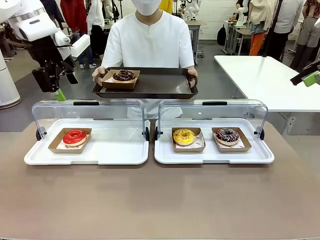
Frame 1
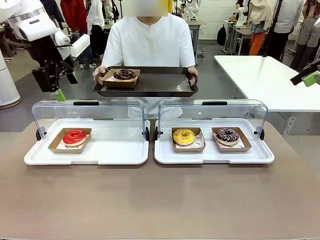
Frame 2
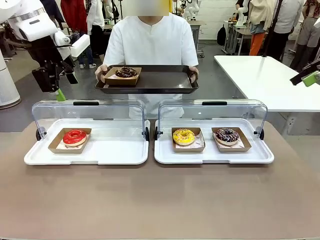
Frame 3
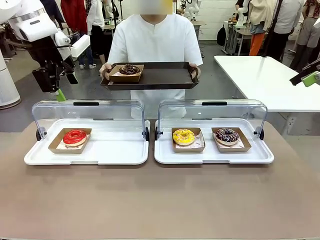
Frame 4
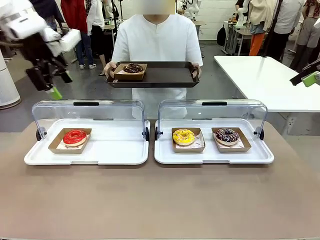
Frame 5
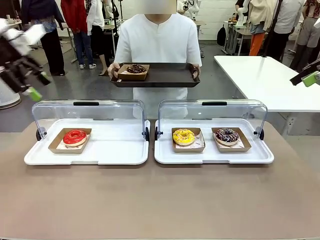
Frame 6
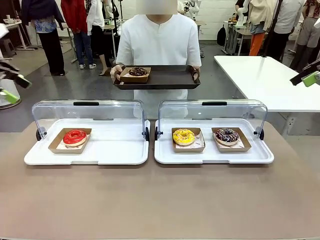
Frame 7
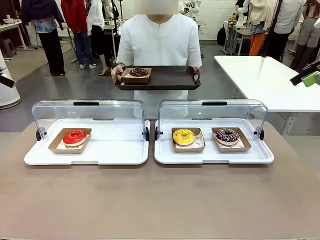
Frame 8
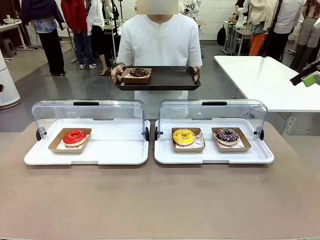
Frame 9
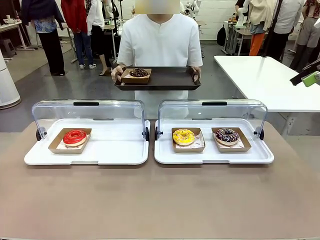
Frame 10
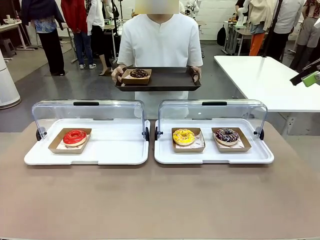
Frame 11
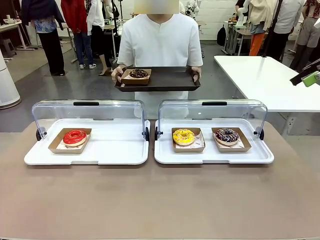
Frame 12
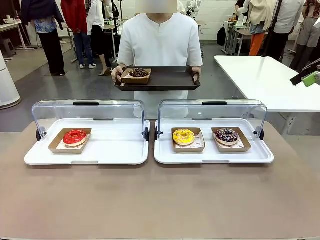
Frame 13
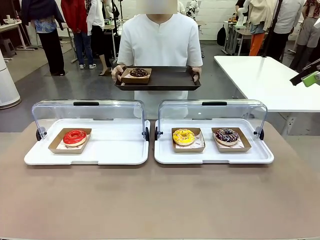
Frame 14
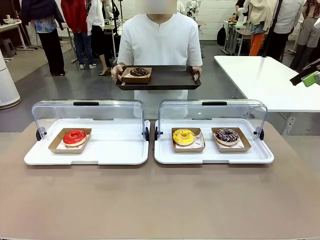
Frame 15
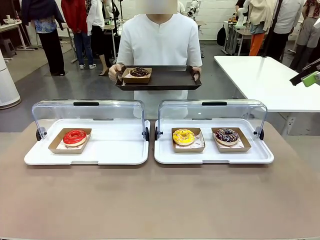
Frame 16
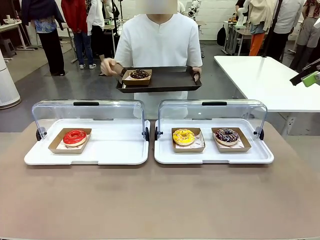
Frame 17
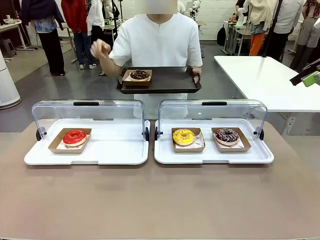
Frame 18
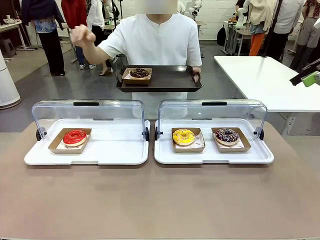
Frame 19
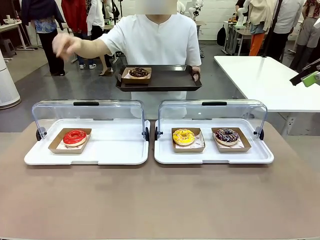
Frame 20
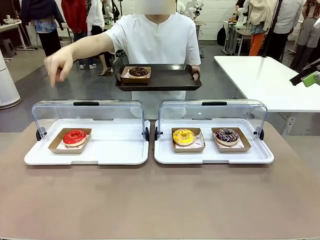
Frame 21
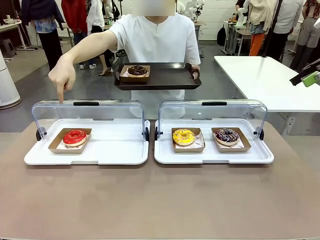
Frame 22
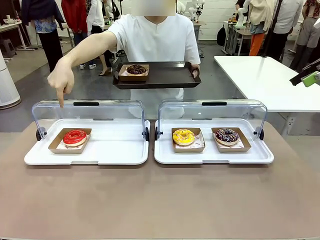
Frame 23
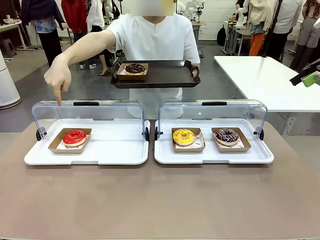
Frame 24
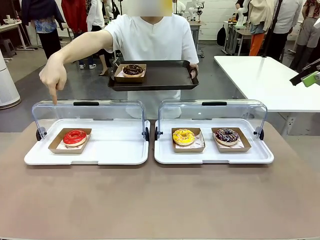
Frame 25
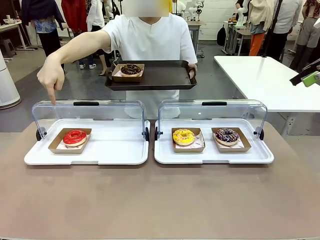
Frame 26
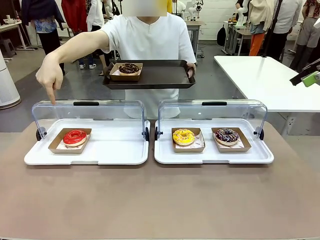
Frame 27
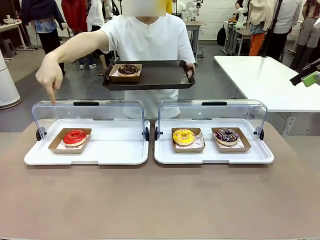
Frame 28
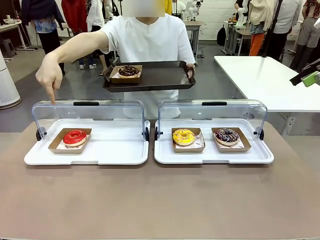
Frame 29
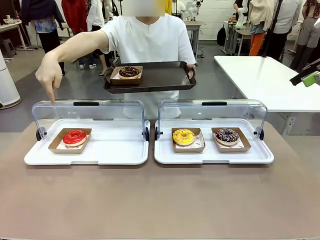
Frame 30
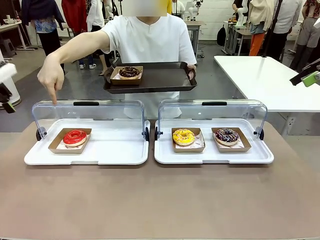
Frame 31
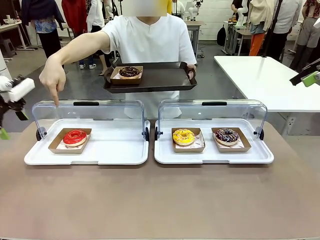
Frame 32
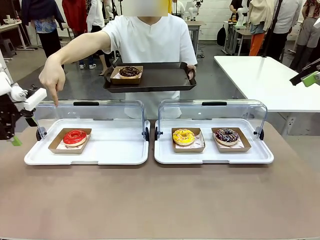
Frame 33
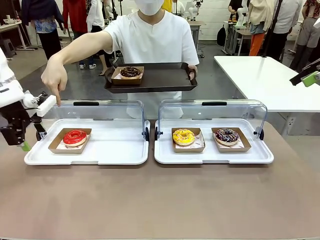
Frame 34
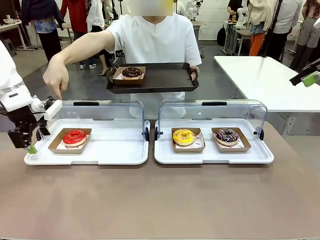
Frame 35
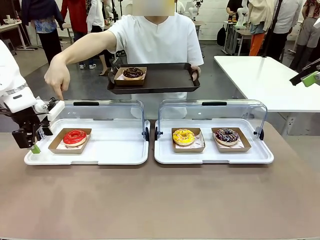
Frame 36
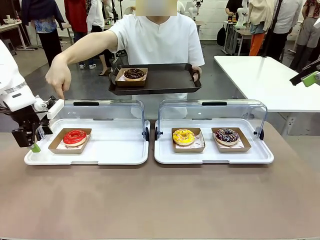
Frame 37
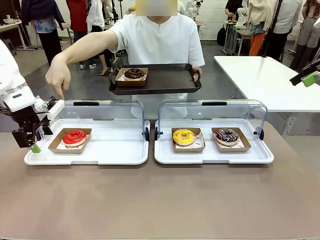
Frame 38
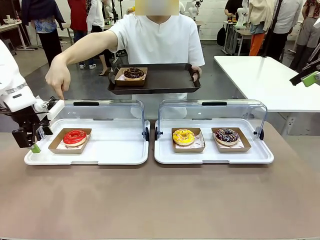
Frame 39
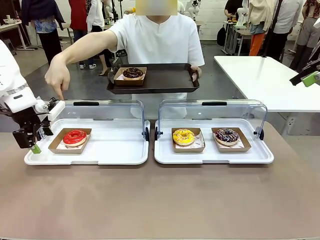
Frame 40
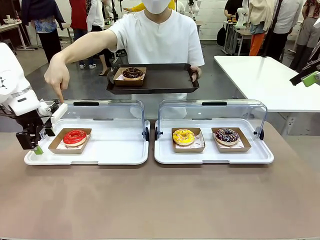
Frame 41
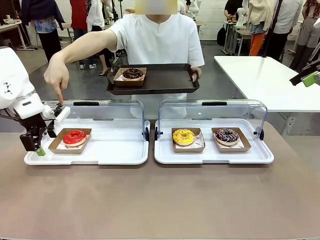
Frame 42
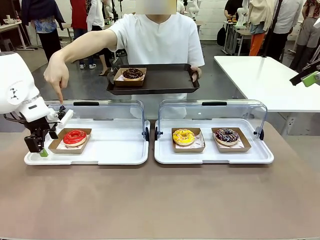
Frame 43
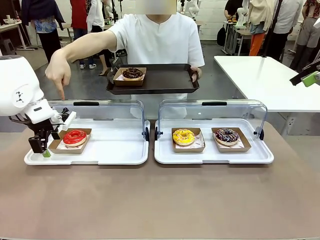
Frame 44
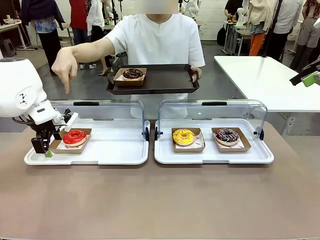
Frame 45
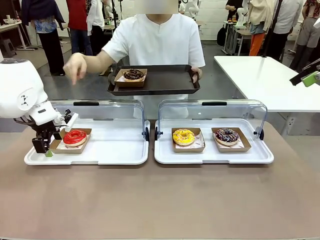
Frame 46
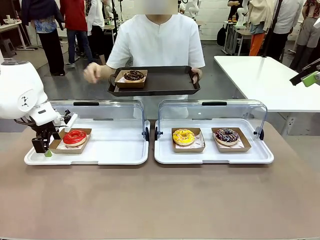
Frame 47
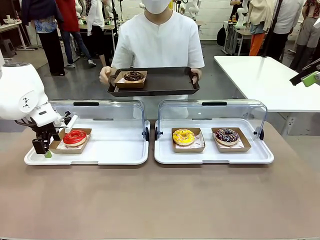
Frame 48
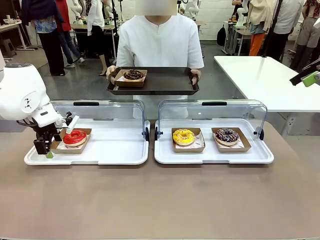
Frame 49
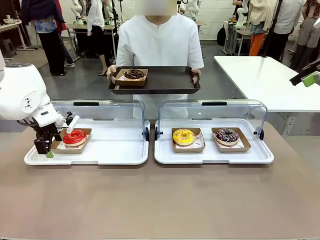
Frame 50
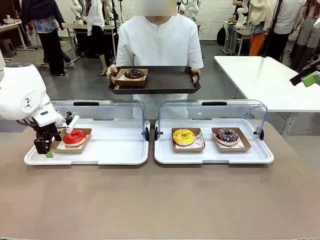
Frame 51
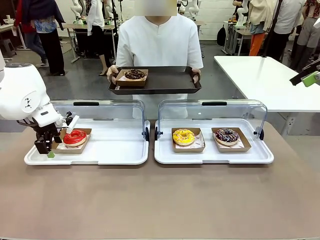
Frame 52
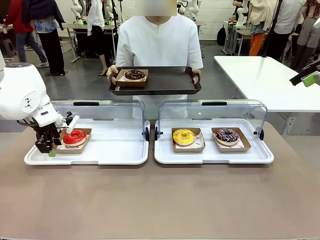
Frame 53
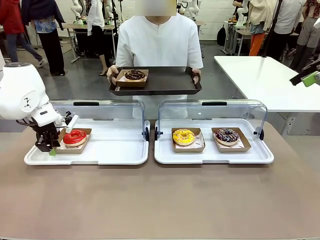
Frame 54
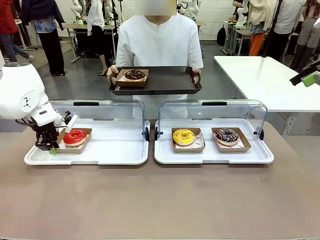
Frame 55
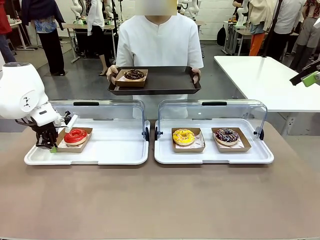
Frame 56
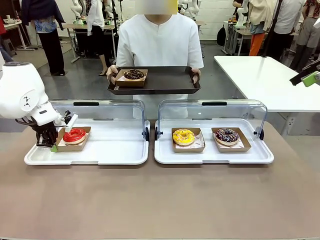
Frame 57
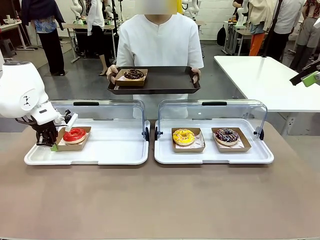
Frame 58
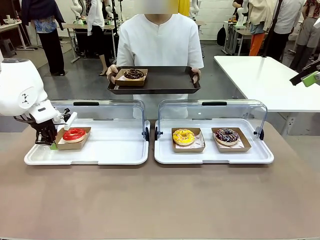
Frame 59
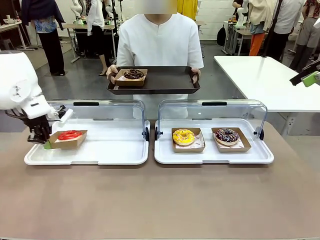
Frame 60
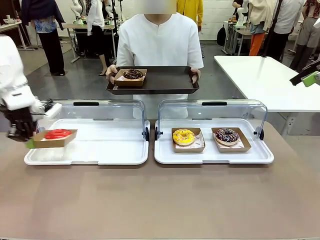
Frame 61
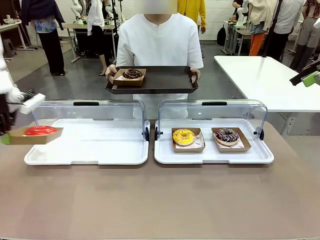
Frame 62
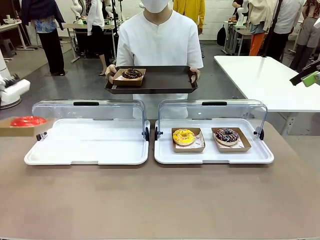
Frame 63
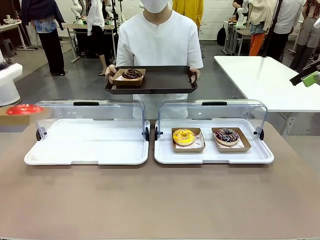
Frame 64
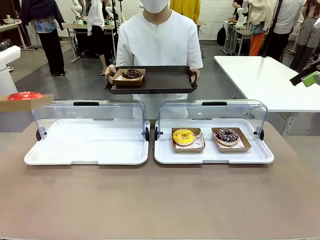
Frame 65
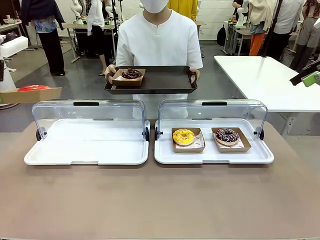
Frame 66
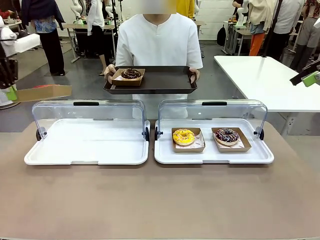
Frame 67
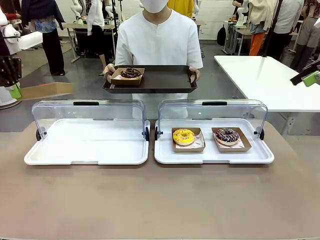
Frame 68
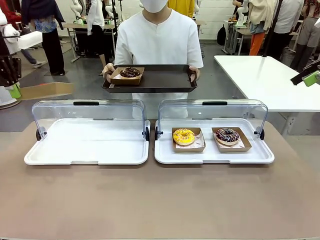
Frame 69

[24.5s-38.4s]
Task: Provide the desired donut to the person.
Robot: Pick up and lift the Paper togo box containing the Donut pointed at by the person.
Person: Point to one donut.
